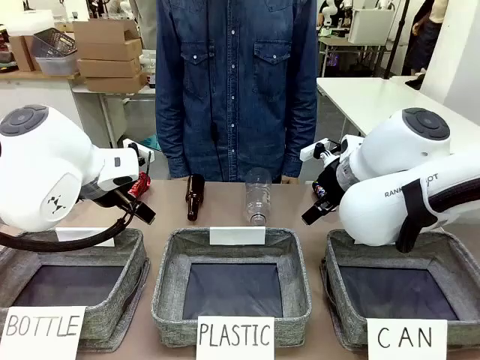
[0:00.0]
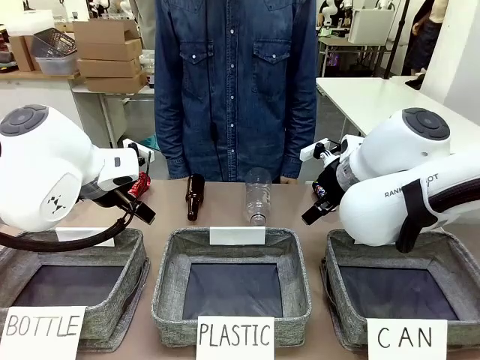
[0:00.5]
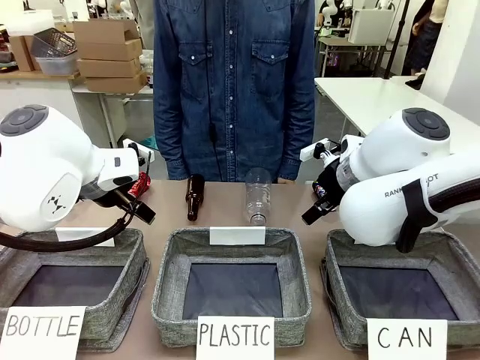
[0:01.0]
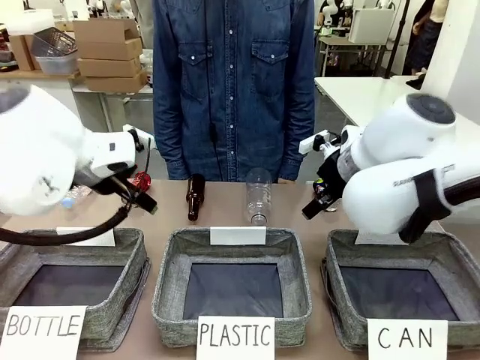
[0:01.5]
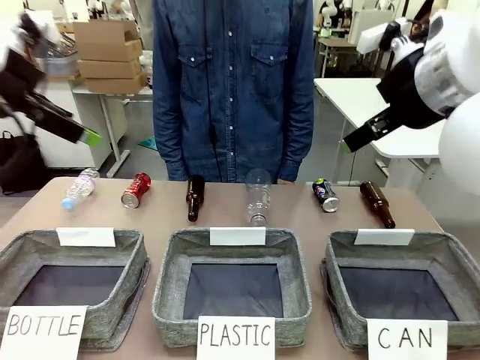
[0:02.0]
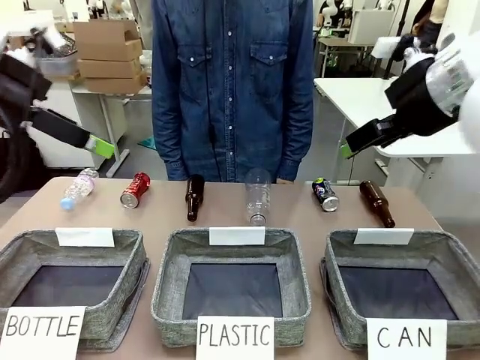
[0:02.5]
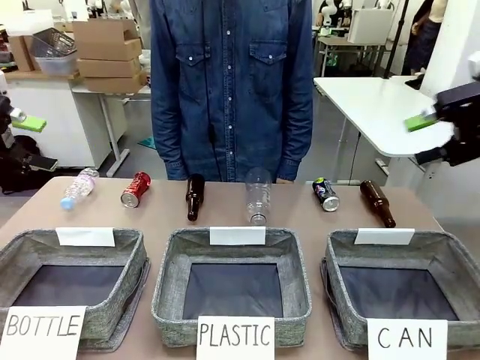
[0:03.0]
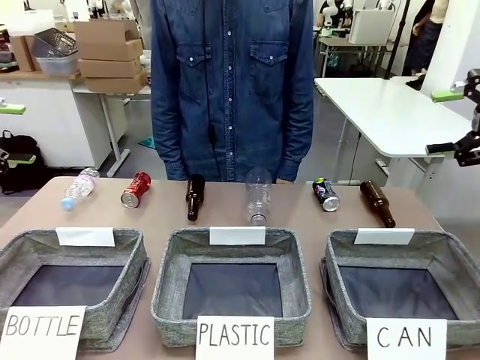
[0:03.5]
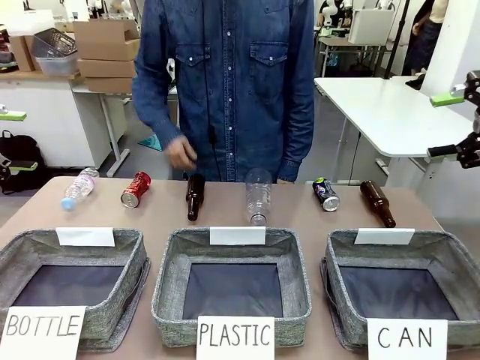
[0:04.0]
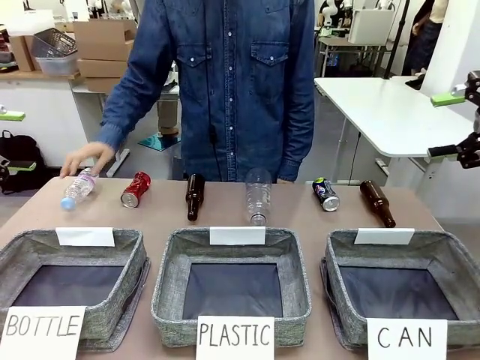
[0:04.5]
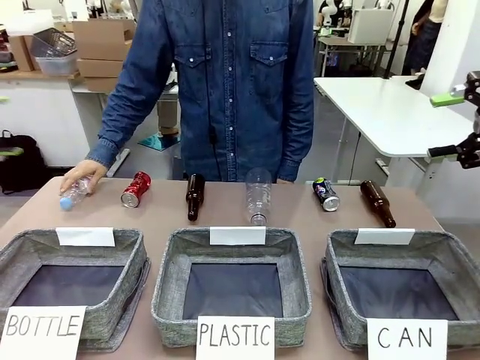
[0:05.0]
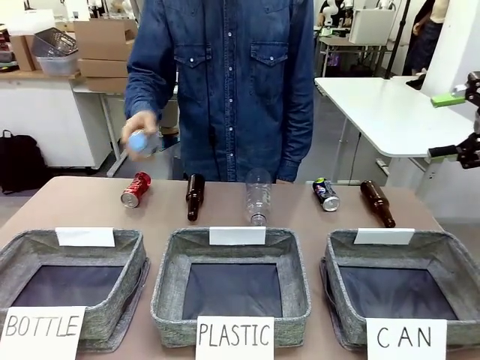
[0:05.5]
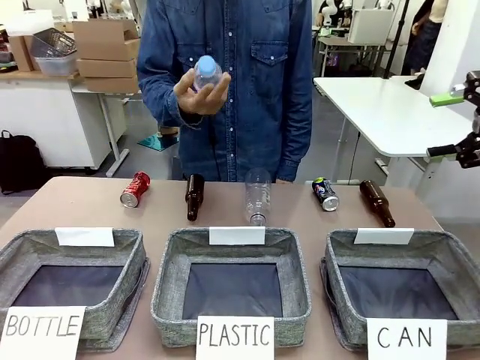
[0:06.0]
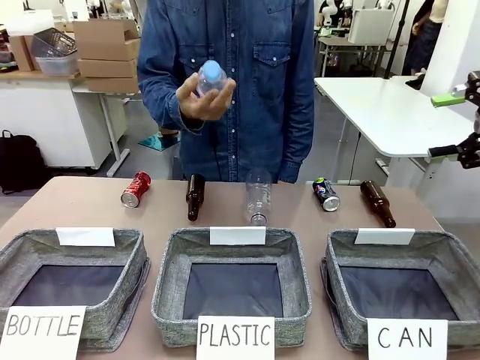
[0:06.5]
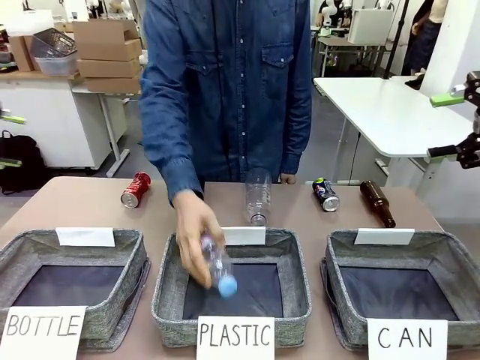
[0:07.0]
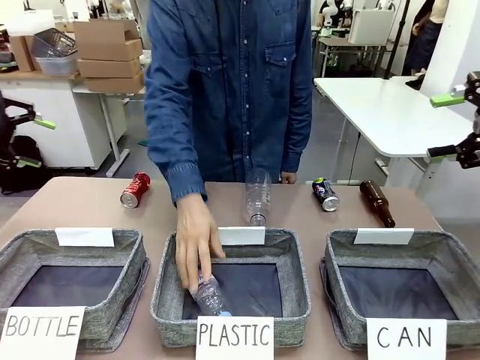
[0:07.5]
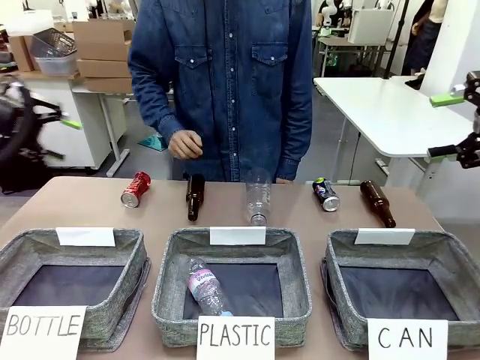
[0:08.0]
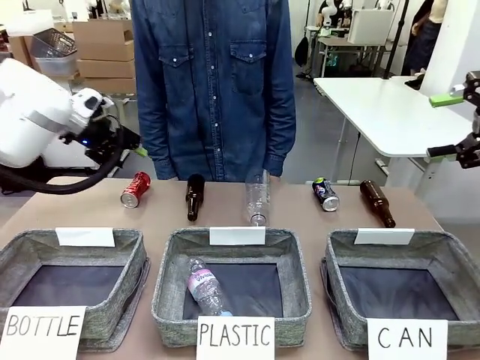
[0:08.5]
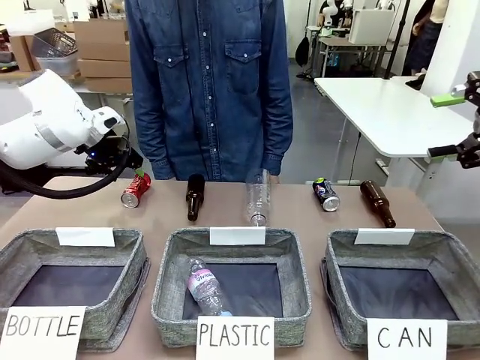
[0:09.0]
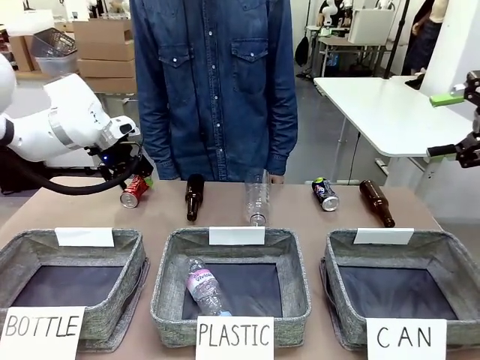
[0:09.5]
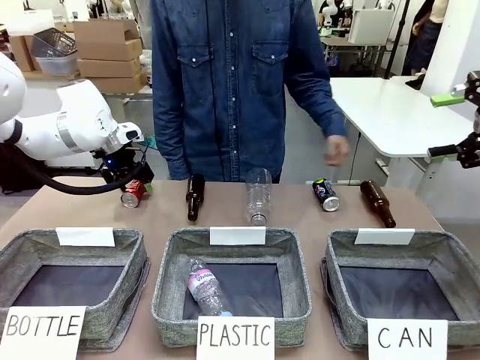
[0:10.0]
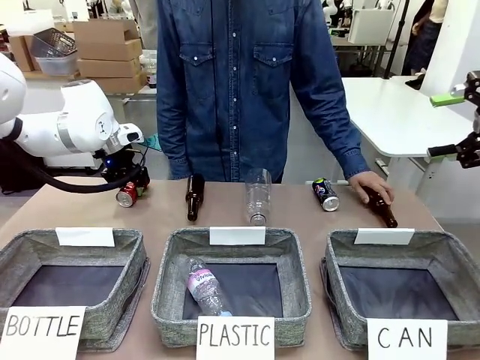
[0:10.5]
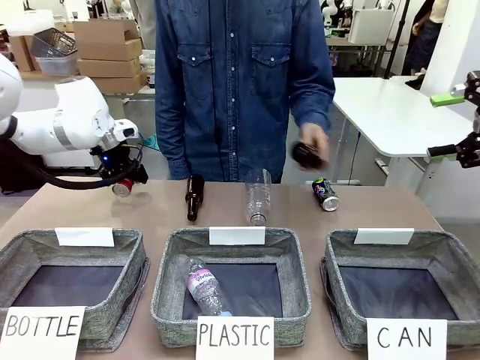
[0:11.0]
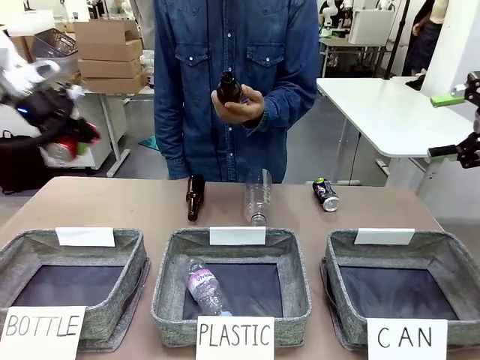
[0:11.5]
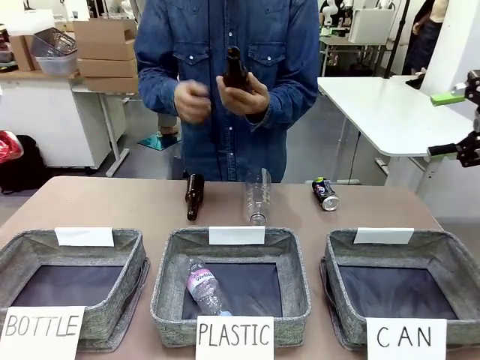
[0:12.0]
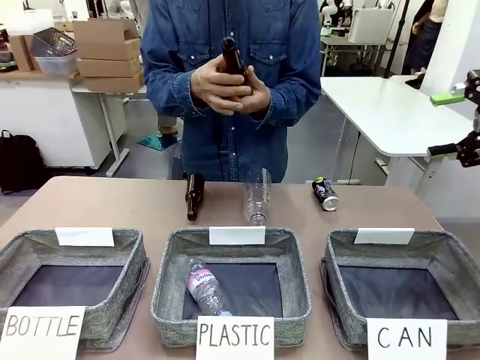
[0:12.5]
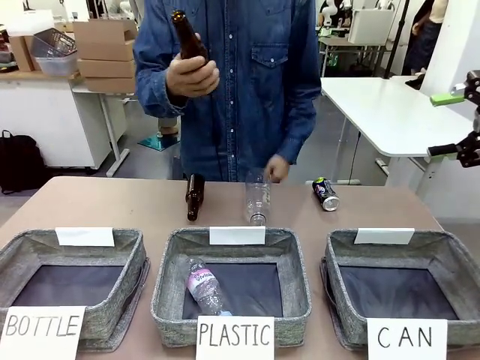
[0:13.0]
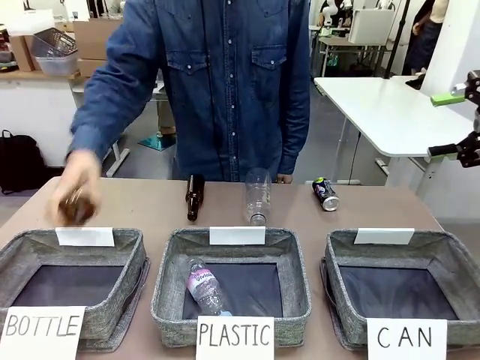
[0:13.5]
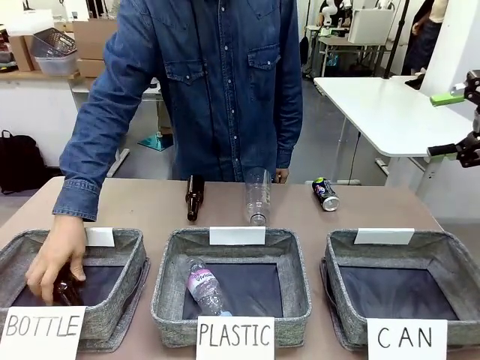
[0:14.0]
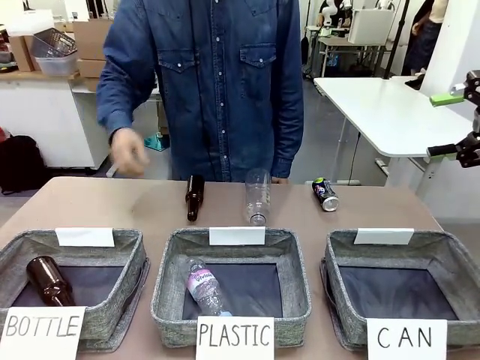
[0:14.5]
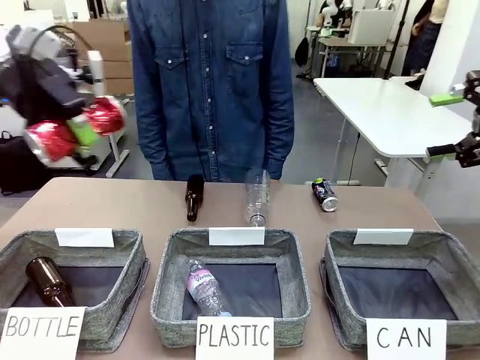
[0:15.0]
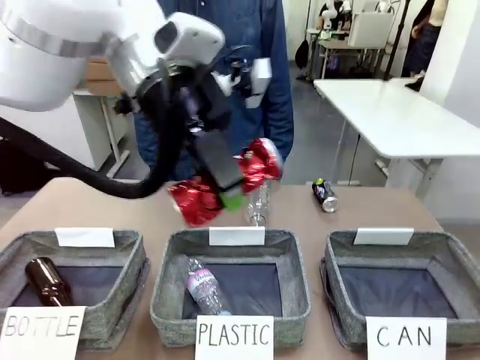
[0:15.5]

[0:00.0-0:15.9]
Task: Sort the can waste into the basket.
Robot: Pick up the can waste from the table and place it in the right Fabric basket.

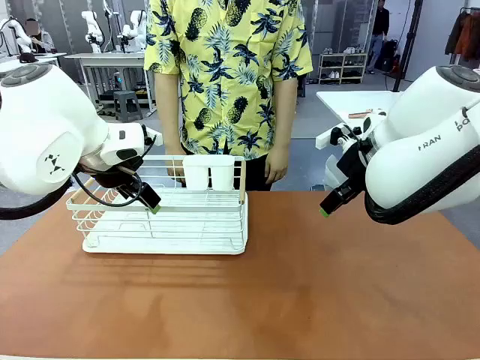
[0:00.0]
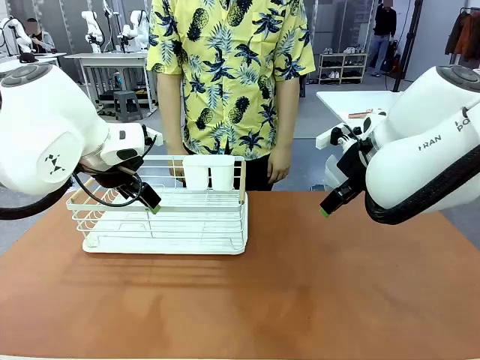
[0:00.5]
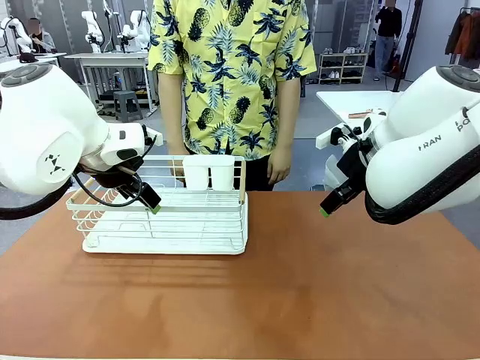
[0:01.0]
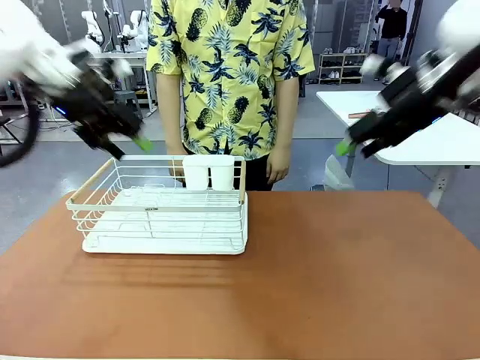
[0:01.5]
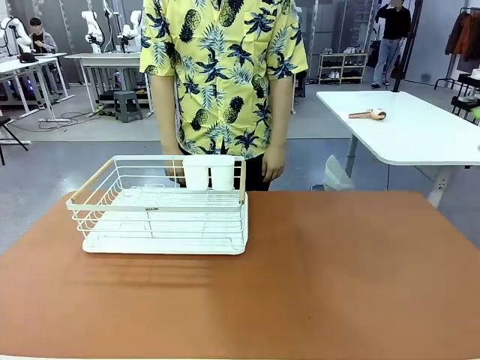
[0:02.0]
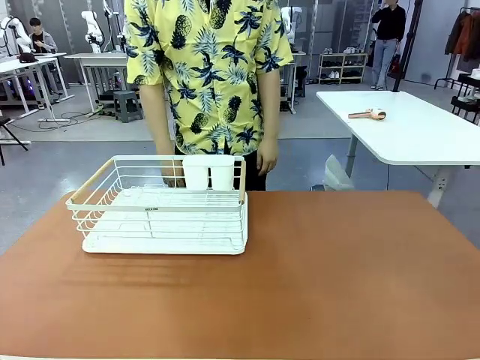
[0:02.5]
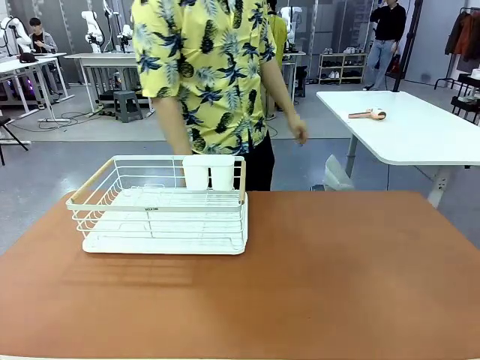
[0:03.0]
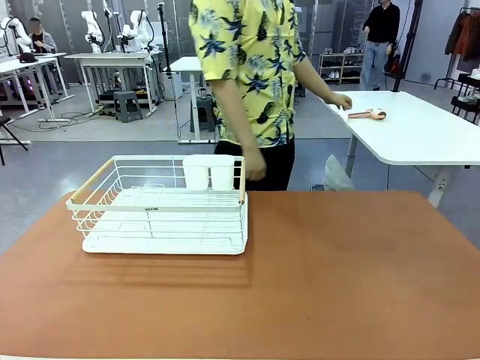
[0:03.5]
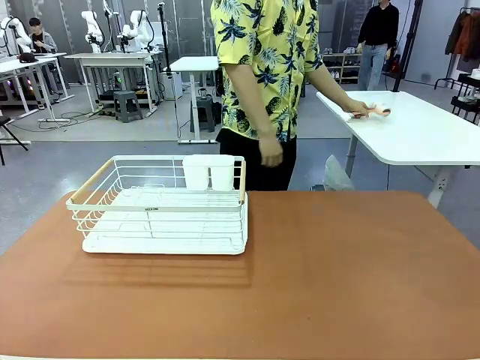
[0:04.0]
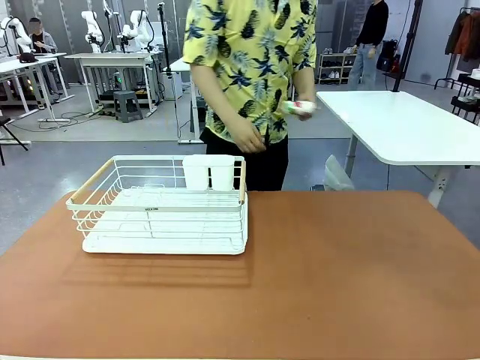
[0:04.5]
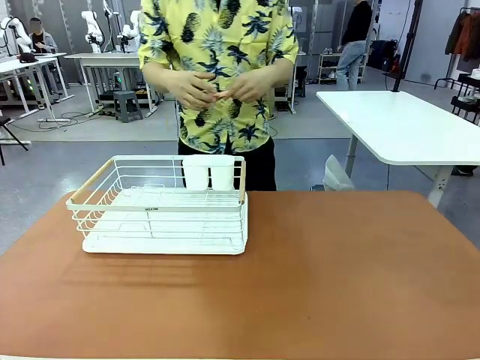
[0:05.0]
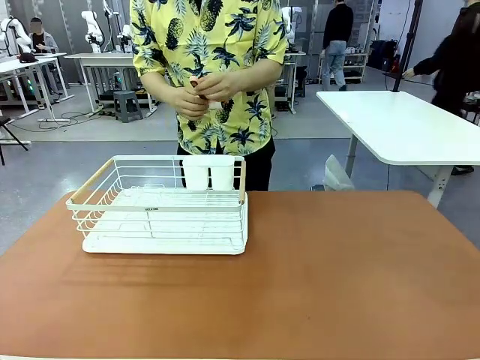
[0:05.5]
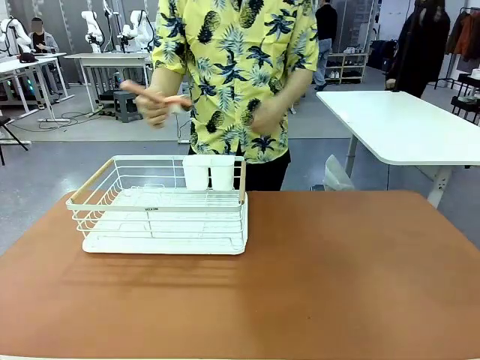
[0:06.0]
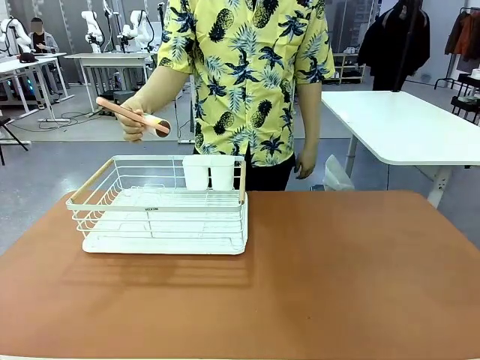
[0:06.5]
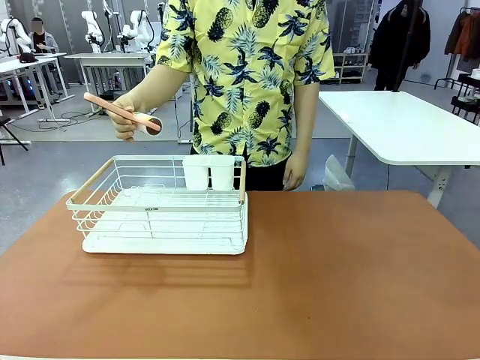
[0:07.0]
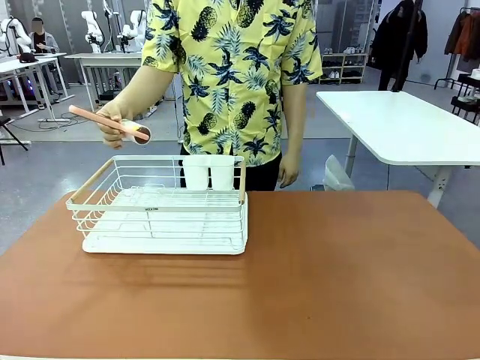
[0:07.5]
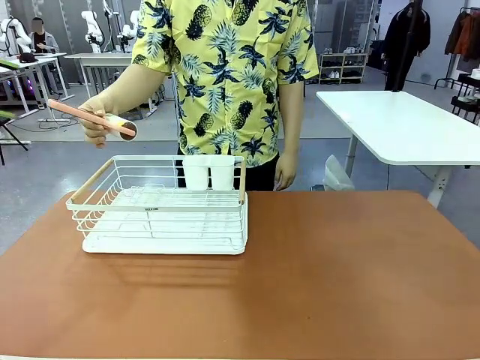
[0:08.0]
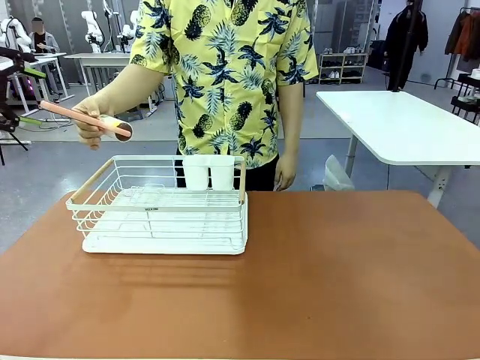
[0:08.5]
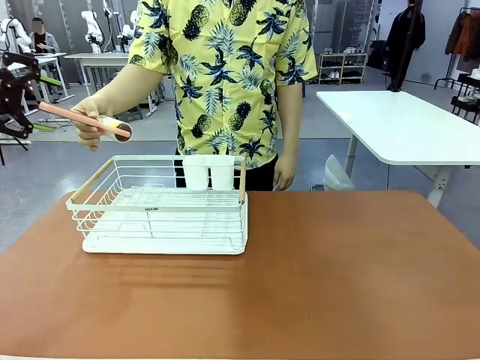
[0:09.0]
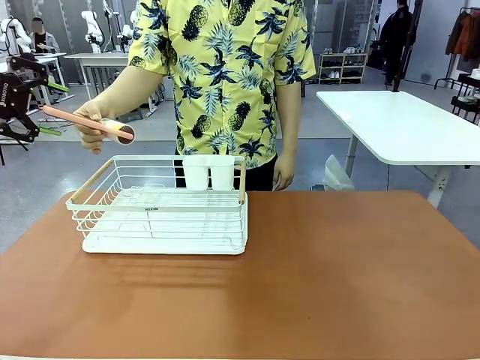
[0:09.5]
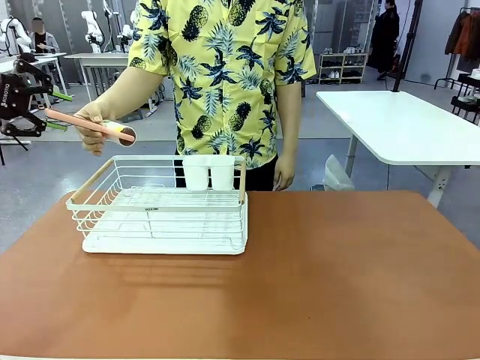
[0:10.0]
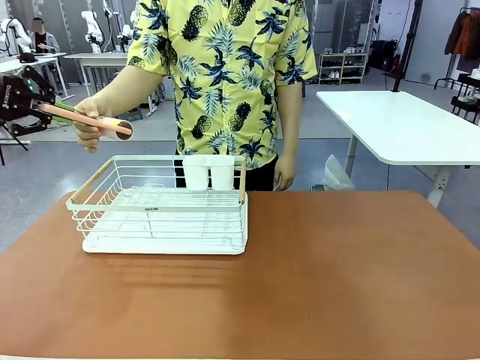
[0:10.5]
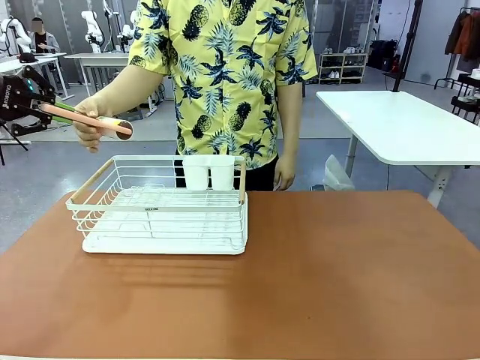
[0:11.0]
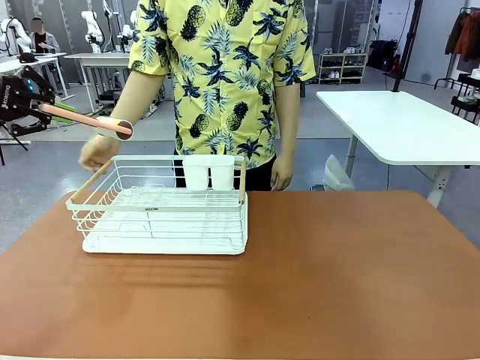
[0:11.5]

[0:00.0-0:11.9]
Task: Clean the table.
Robot: Pick up the Lint Roller when the human hands it over.
Person: Hand the Lint Roller to the robot so it can easily pick it up. Lift the Dish drying rack.
